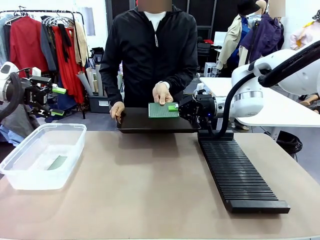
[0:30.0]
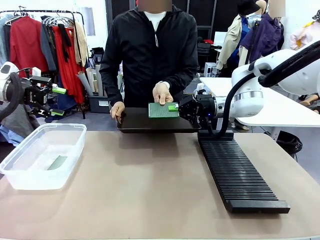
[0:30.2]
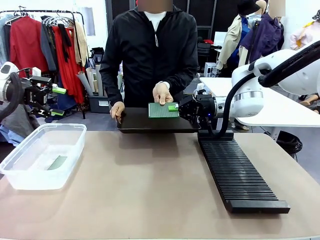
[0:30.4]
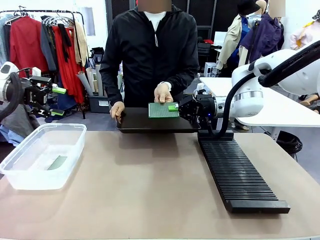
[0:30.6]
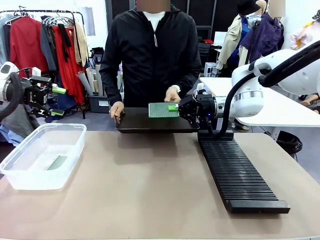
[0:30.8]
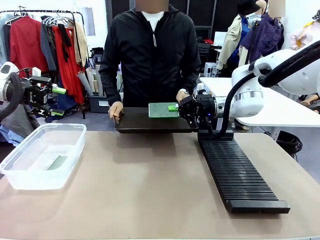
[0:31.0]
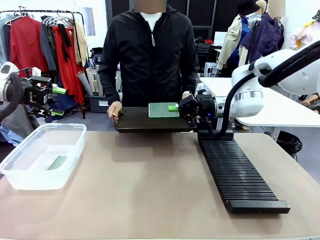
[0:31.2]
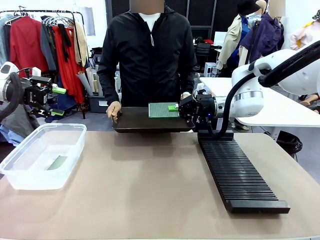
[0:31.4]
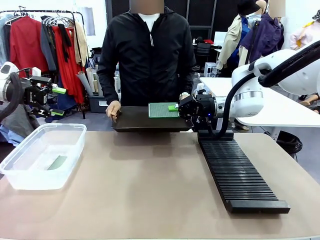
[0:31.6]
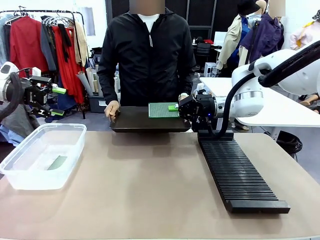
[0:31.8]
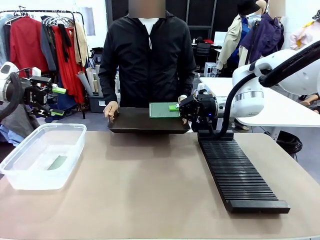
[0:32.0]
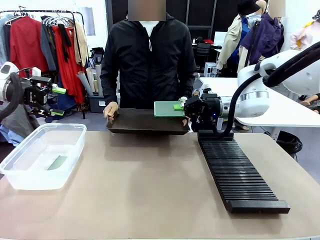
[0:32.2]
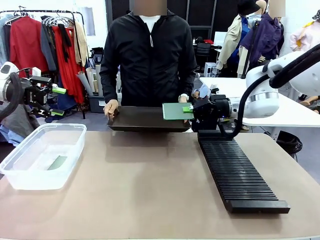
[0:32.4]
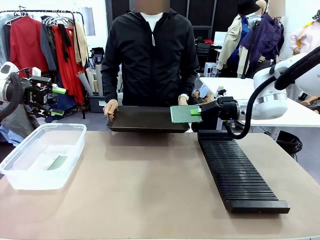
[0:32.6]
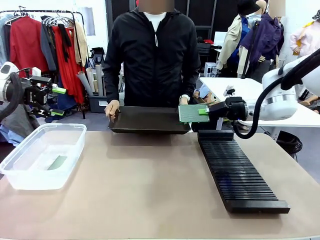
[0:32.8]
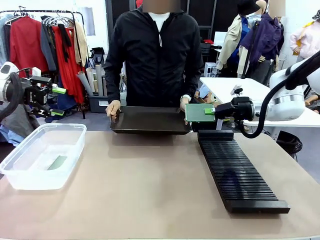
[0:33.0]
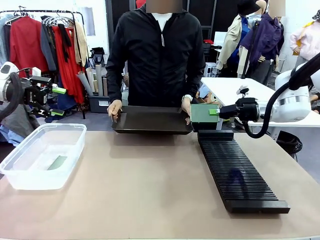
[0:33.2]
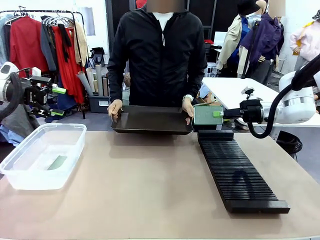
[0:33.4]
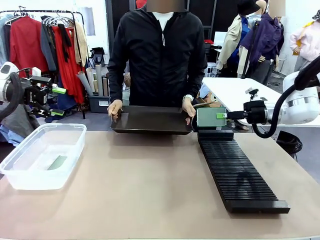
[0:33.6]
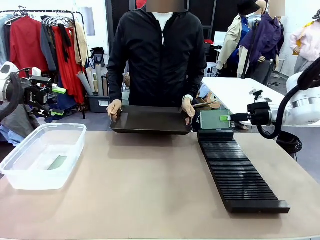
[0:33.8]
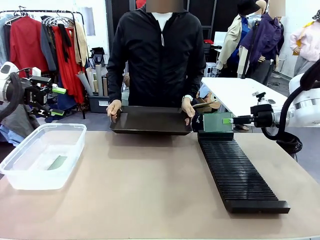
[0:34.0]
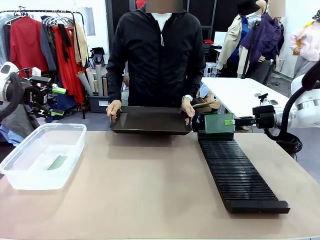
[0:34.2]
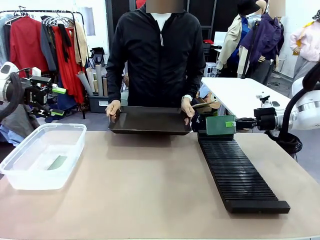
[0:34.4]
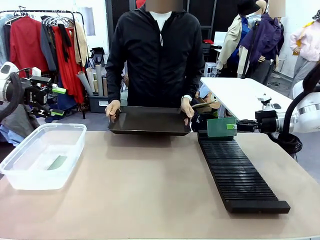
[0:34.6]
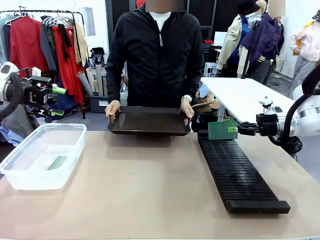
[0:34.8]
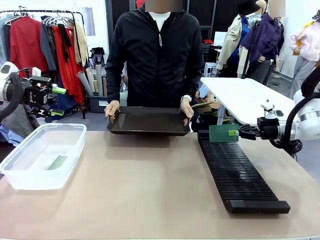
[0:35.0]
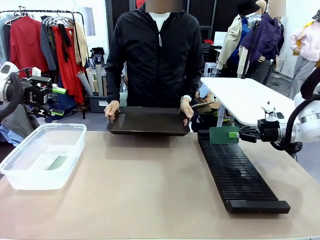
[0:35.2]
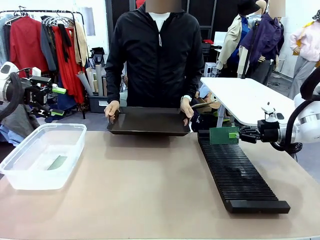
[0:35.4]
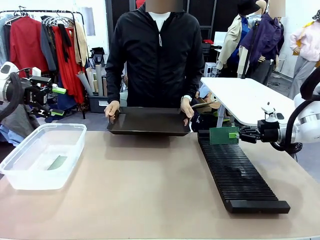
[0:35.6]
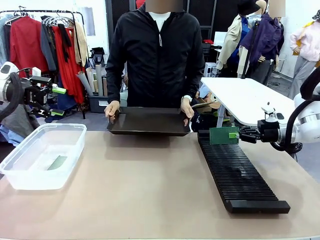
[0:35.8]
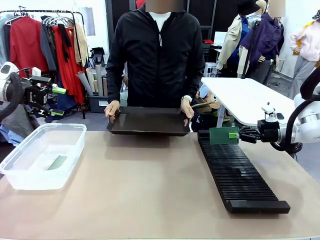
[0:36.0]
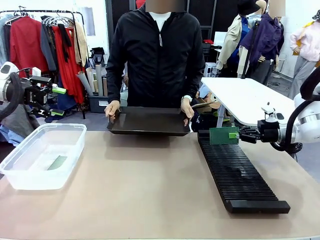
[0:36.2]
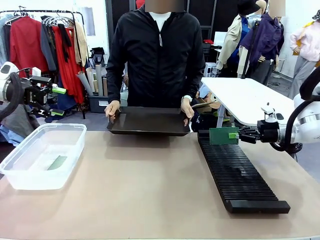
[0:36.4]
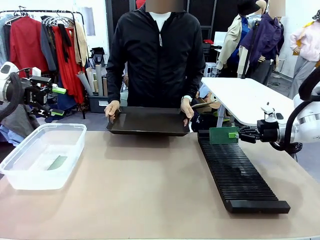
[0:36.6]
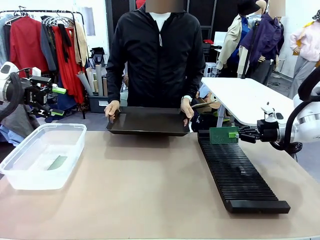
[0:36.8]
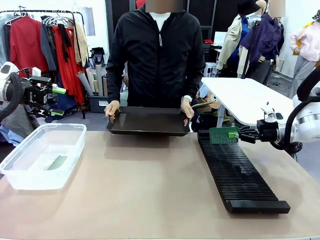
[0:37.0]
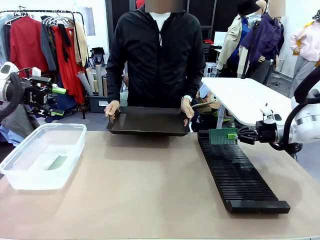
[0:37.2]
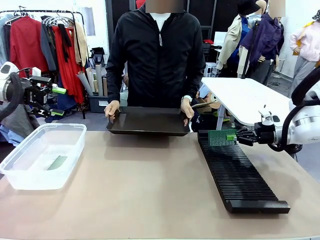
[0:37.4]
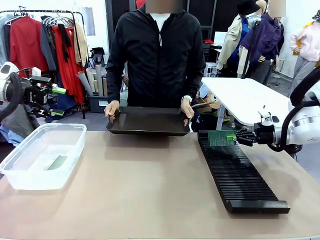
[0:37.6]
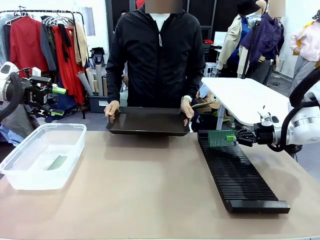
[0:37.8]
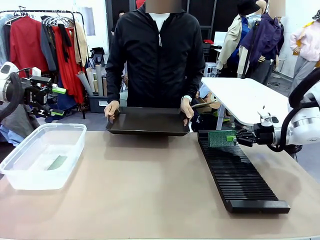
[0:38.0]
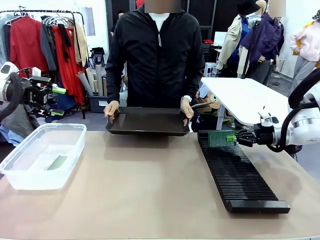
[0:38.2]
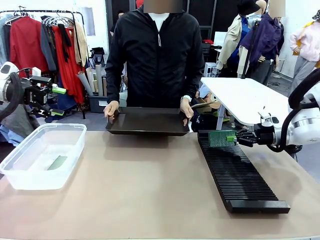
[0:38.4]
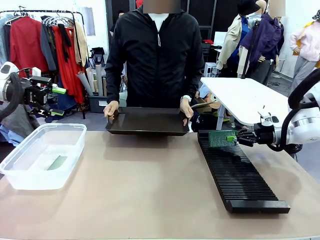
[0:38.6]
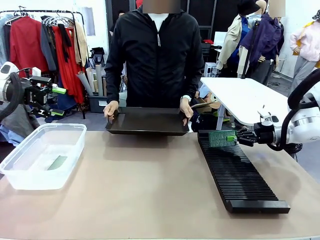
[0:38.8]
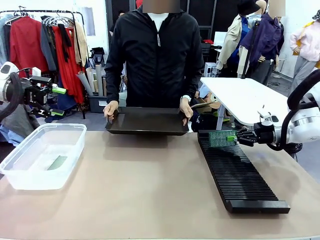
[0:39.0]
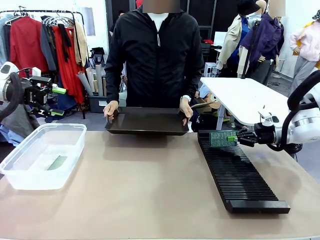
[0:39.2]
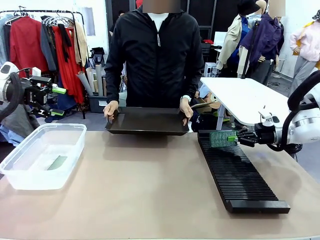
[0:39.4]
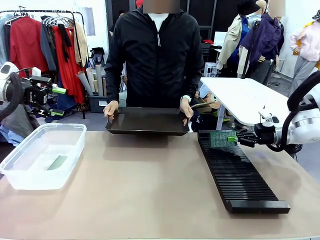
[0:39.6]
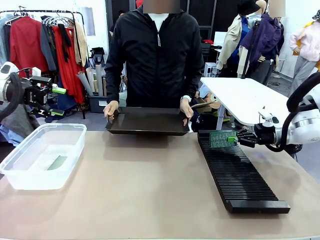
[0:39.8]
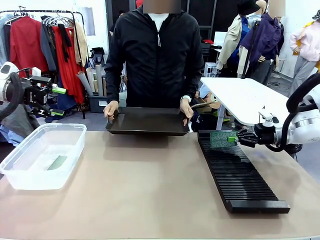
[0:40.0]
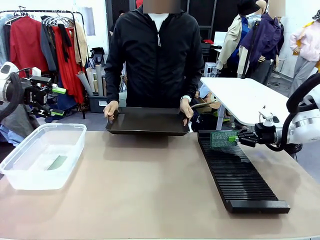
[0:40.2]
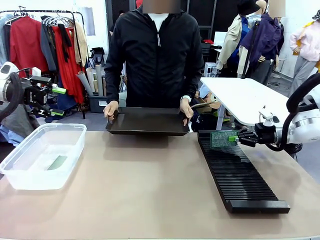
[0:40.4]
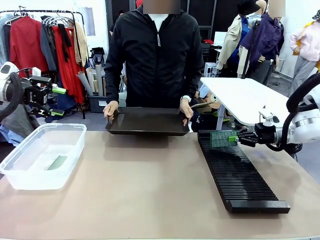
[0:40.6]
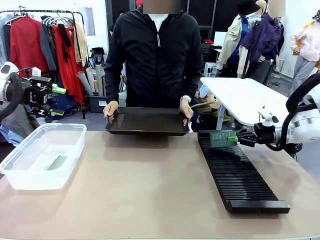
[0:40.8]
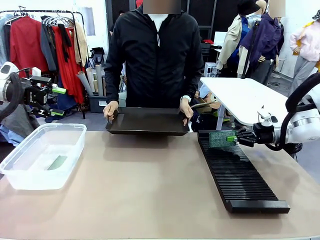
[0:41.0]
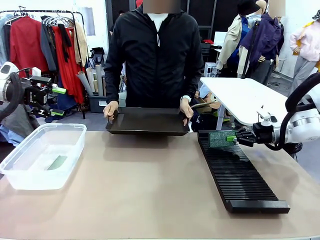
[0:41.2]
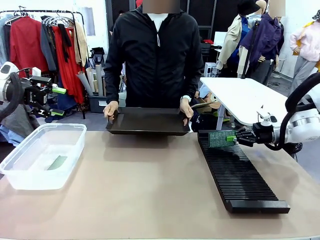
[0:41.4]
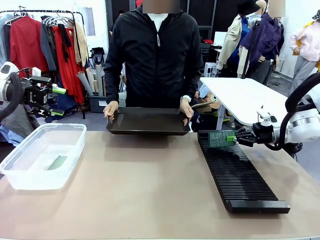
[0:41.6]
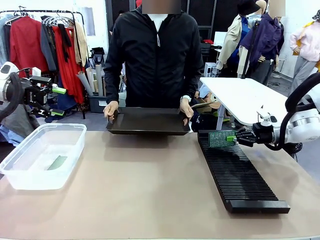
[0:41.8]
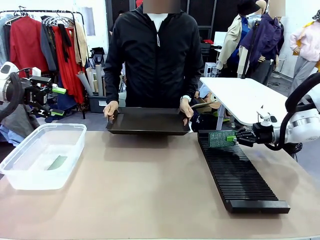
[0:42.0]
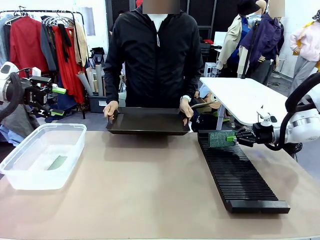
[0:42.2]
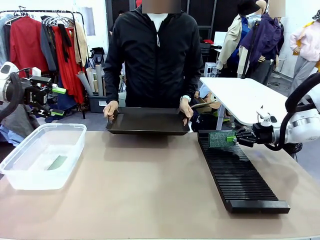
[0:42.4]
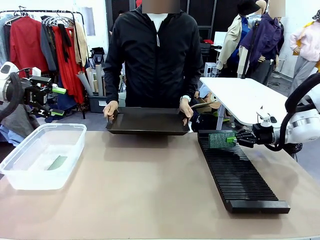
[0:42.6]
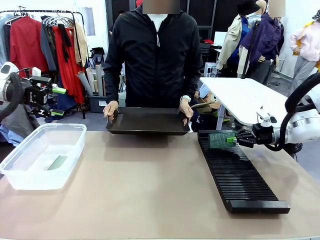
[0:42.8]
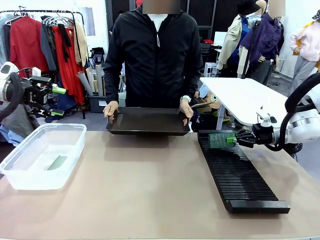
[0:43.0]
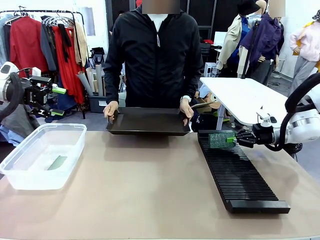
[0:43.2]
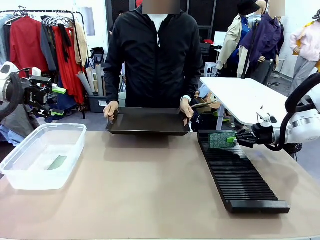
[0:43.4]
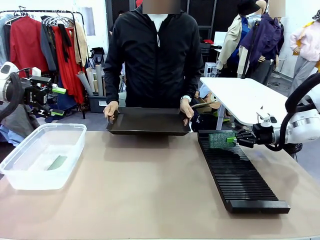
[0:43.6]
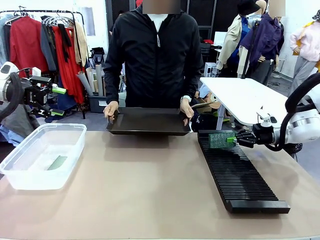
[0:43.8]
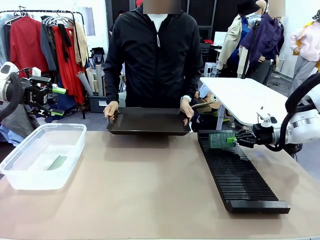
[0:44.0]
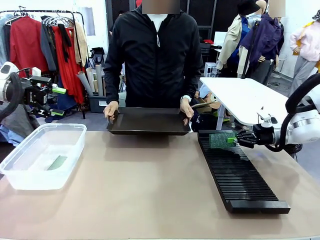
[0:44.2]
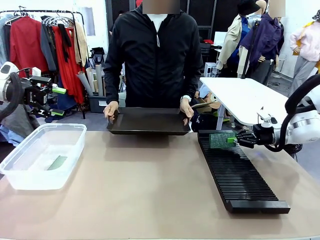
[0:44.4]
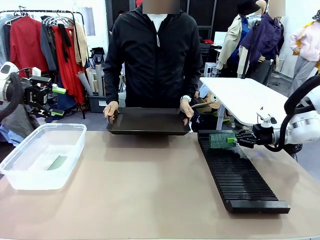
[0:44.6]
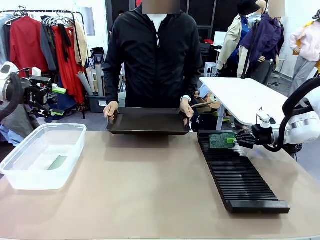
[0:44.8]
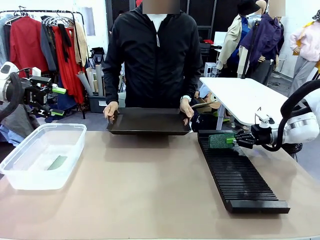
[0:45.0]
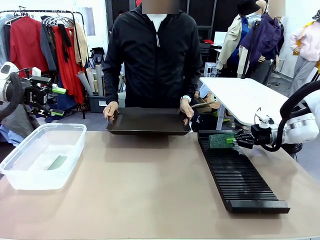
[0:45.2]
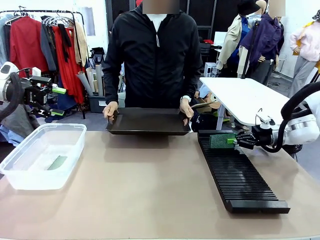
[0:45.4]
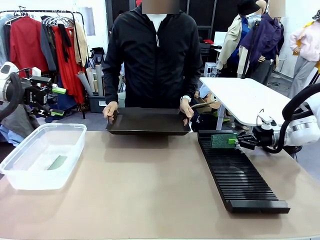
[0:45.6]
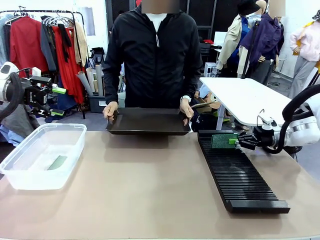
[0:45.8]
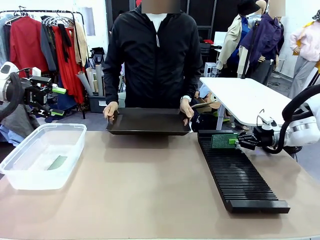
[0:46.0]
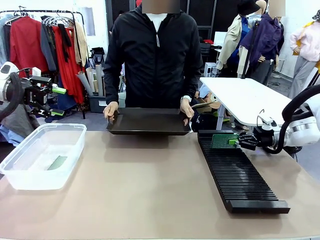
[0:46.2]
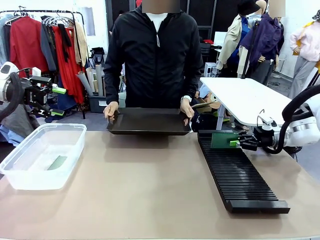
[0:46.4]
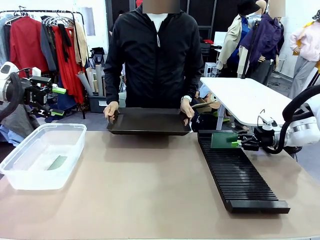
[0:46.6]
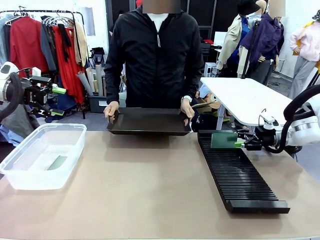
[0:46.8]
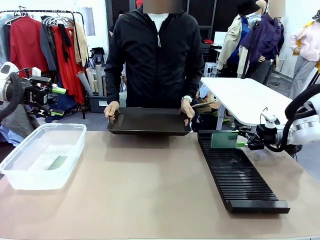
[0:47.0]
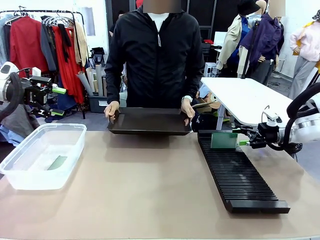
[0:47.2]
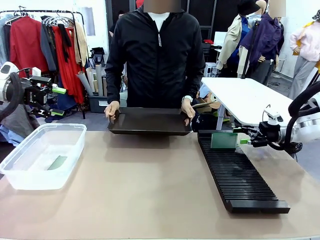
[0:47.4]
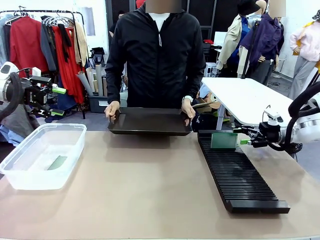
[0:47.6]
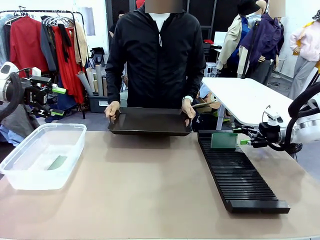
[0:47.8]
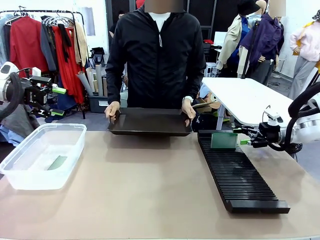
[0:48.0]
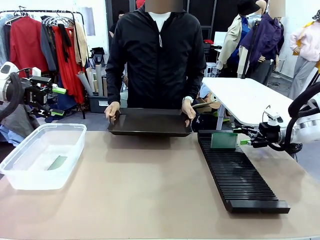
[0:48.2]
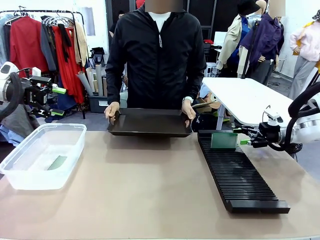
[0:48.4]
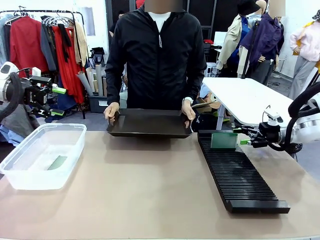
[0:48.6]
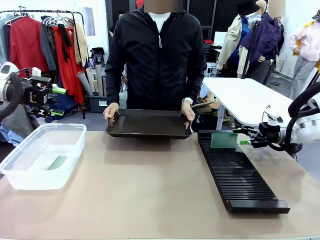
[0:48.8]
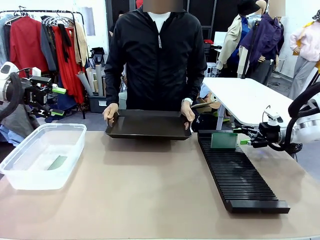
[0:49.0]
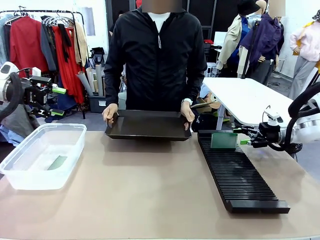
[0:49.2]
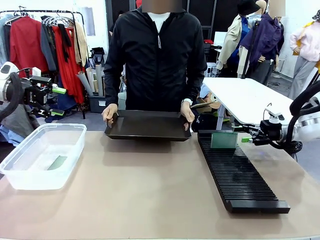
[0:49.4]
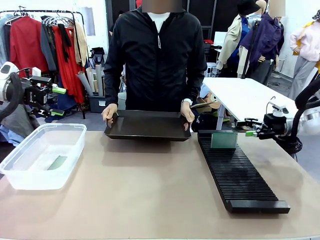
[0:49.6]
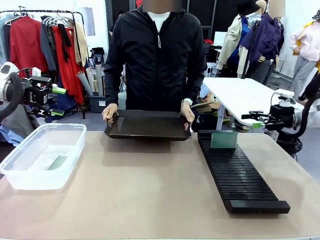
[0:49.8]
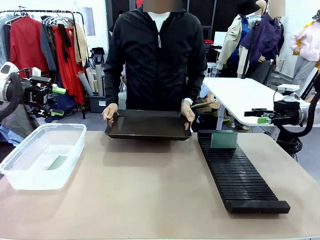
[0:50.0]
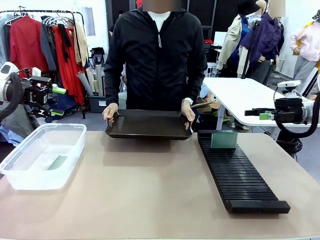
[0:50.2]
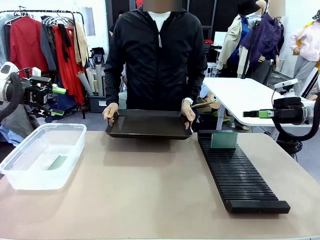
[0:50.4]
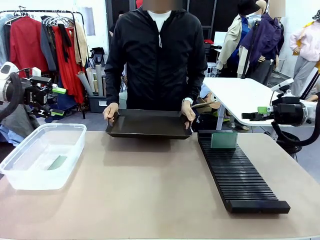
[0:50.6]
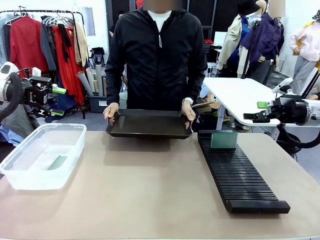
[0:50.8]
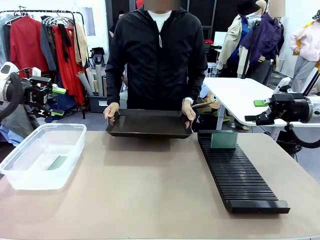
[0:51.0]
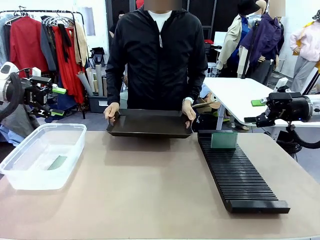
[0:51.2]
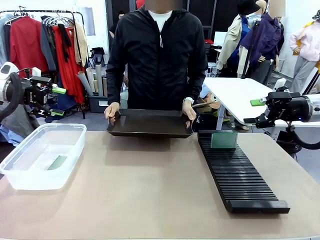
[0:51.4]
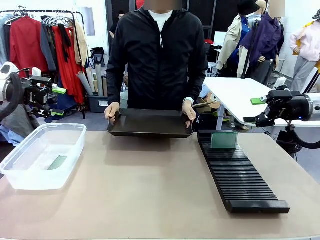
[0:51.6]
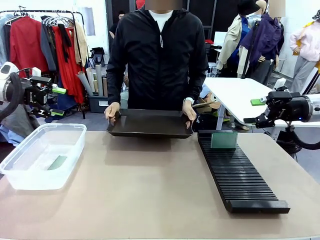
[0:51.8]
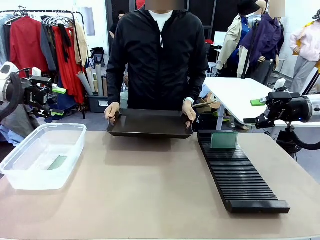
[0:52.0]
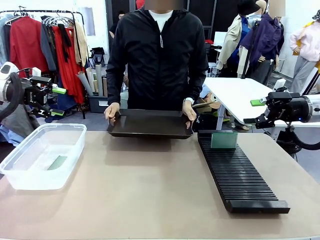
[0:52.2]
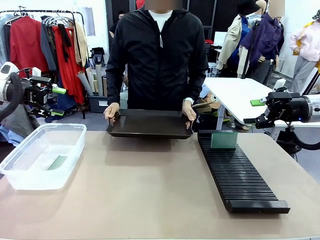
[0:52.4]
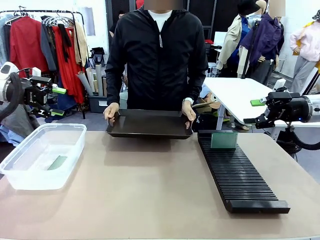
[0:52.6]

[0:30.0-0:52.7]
Task: Sort PCBs into racks and boxes based on the side picked up.
Robot: If the short side of the Blank PCB is picked up, insert it into the PCB Rack ; if the long side is picked up, place it in the Organizing box.
Person: Release the PCB being held.
